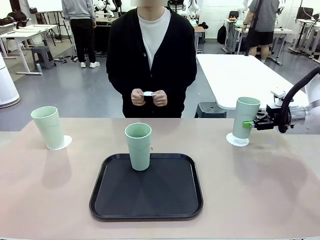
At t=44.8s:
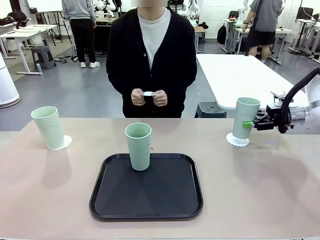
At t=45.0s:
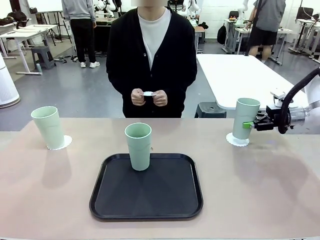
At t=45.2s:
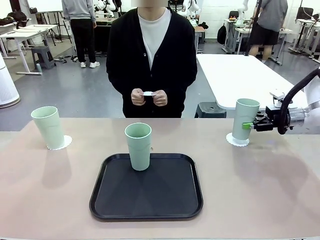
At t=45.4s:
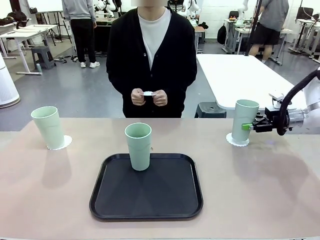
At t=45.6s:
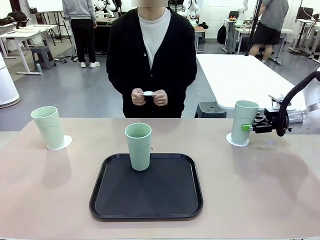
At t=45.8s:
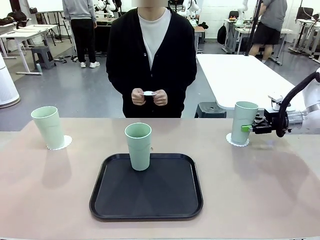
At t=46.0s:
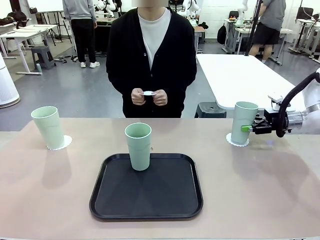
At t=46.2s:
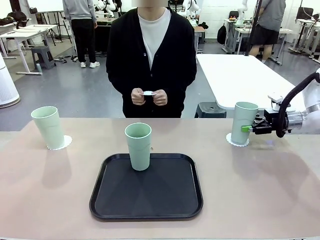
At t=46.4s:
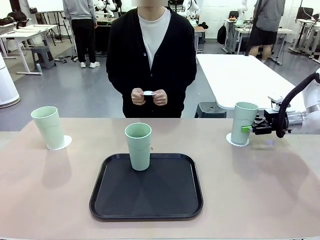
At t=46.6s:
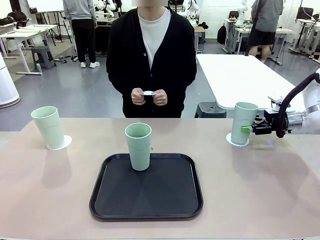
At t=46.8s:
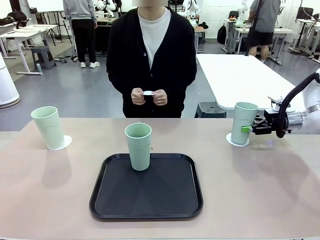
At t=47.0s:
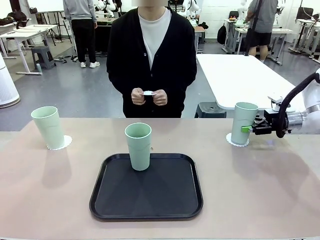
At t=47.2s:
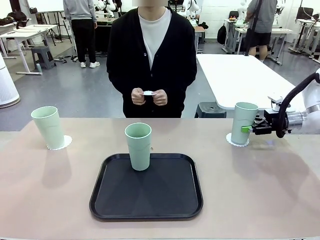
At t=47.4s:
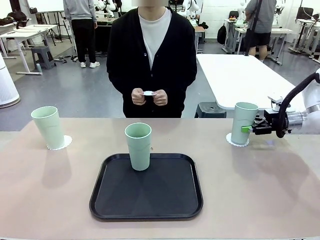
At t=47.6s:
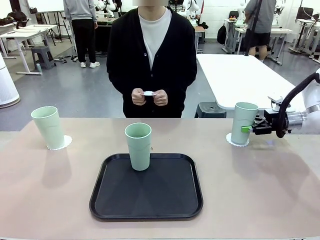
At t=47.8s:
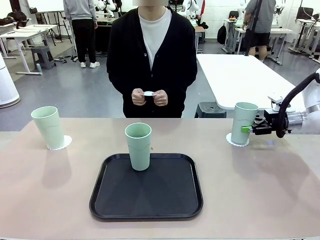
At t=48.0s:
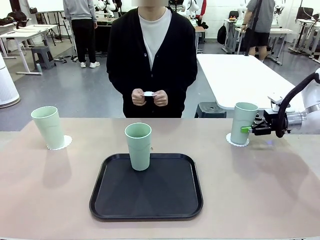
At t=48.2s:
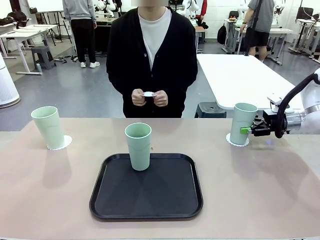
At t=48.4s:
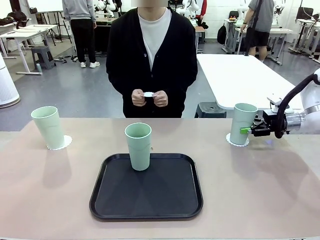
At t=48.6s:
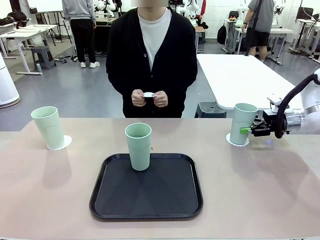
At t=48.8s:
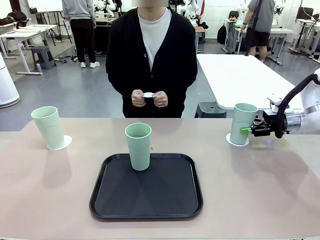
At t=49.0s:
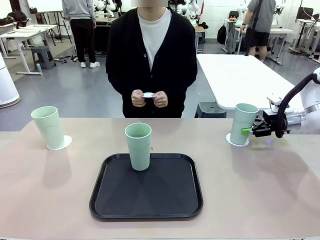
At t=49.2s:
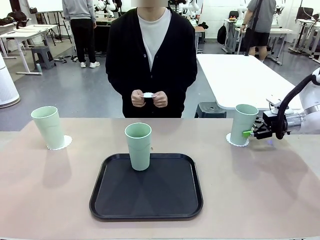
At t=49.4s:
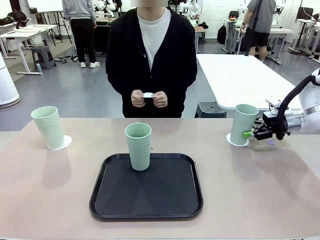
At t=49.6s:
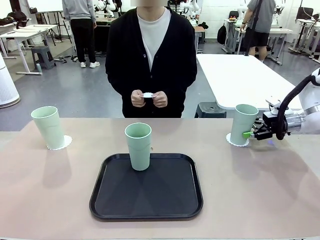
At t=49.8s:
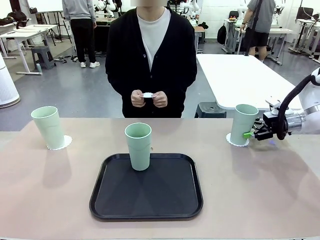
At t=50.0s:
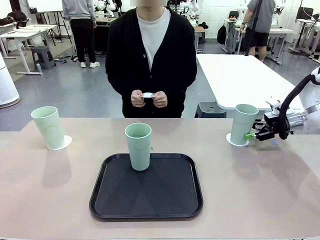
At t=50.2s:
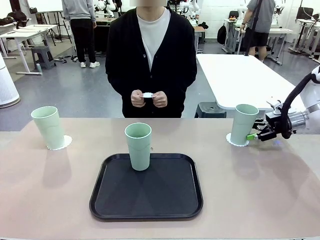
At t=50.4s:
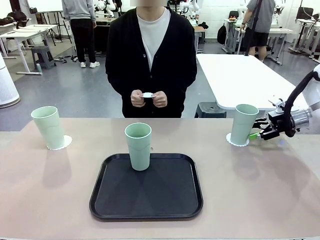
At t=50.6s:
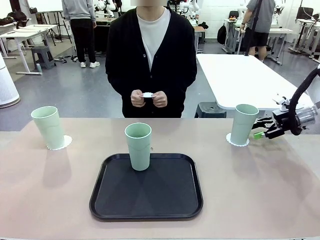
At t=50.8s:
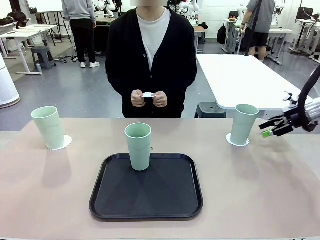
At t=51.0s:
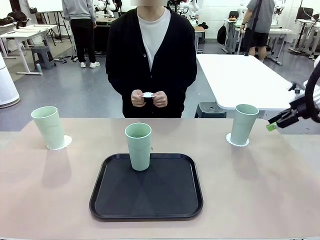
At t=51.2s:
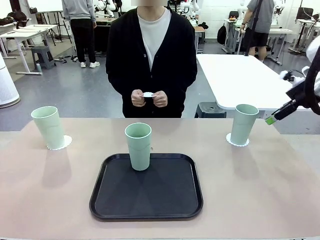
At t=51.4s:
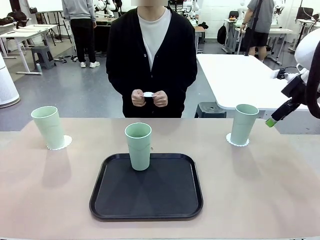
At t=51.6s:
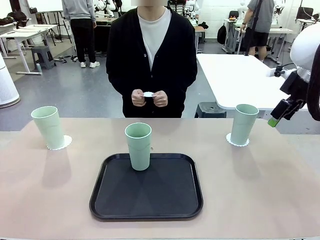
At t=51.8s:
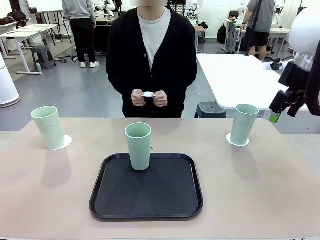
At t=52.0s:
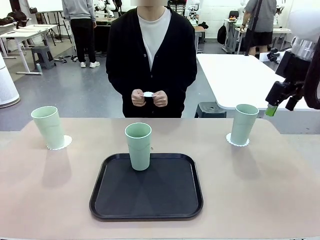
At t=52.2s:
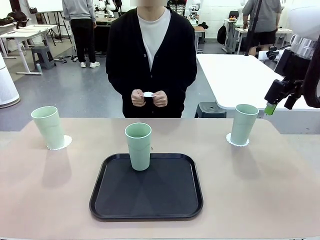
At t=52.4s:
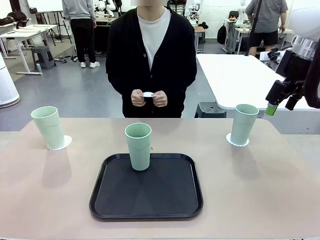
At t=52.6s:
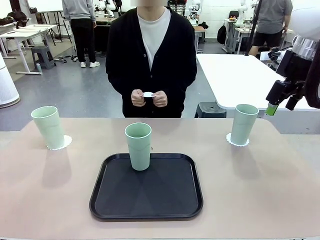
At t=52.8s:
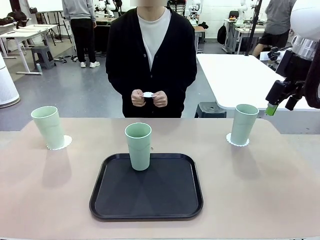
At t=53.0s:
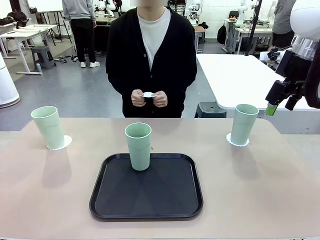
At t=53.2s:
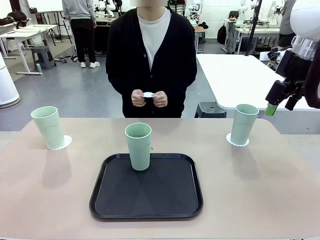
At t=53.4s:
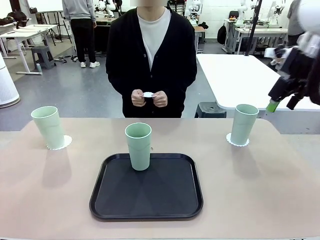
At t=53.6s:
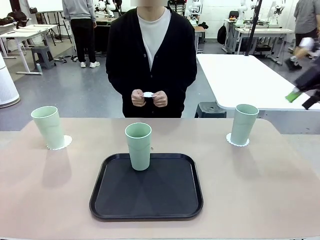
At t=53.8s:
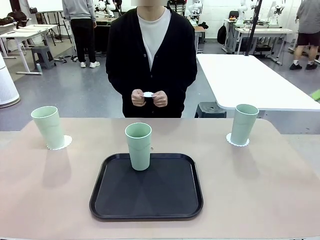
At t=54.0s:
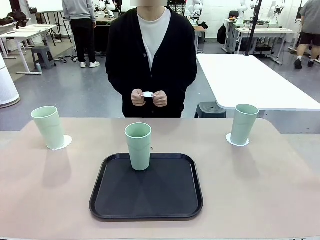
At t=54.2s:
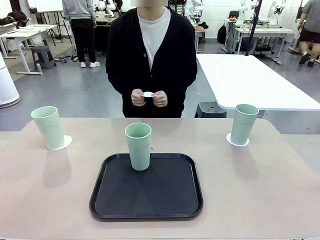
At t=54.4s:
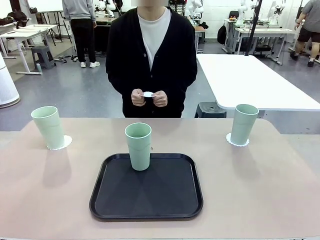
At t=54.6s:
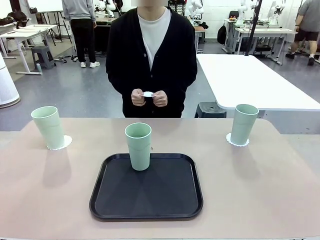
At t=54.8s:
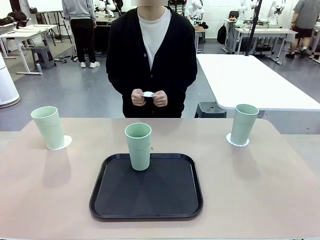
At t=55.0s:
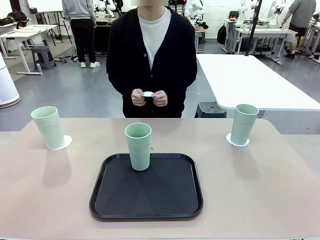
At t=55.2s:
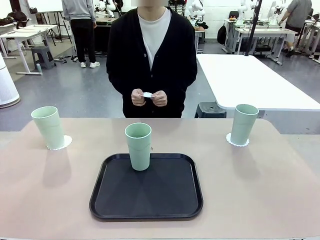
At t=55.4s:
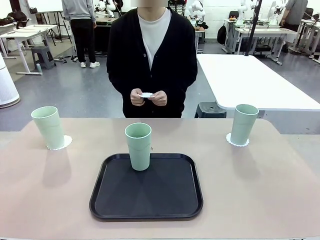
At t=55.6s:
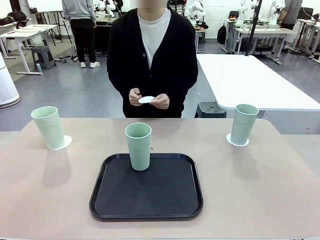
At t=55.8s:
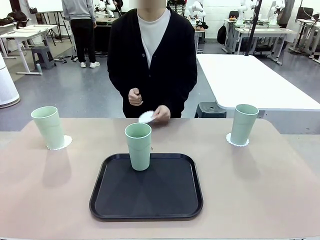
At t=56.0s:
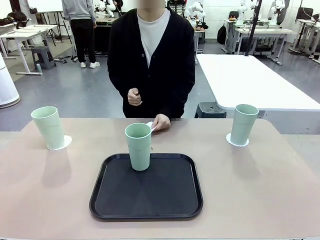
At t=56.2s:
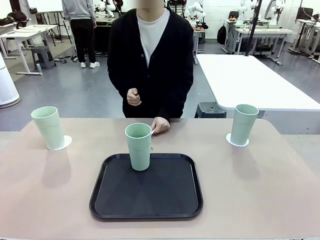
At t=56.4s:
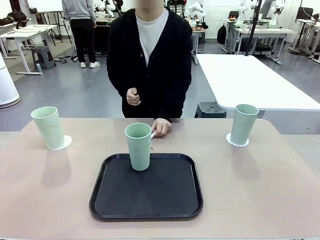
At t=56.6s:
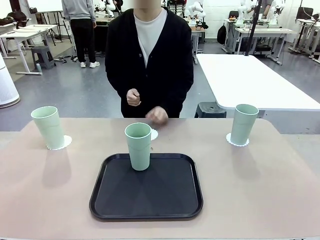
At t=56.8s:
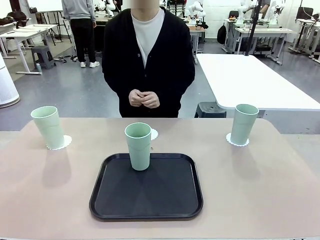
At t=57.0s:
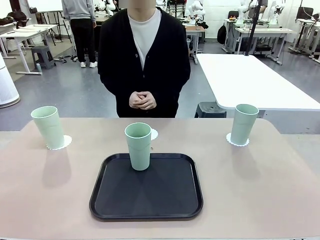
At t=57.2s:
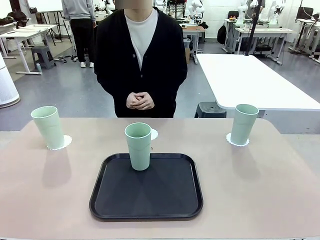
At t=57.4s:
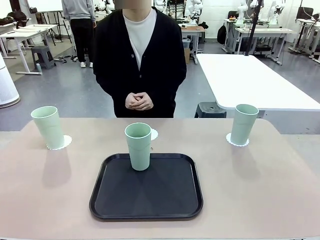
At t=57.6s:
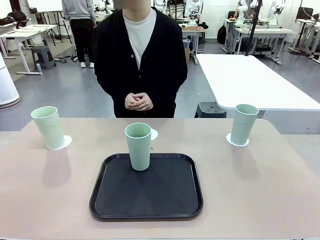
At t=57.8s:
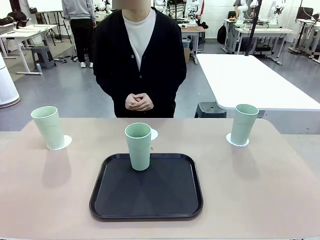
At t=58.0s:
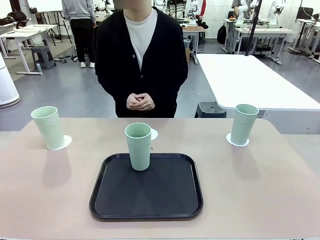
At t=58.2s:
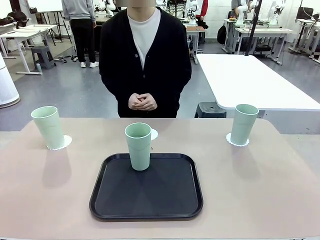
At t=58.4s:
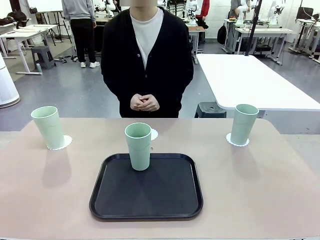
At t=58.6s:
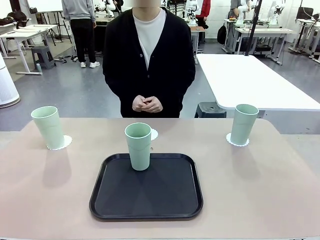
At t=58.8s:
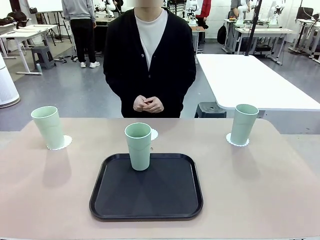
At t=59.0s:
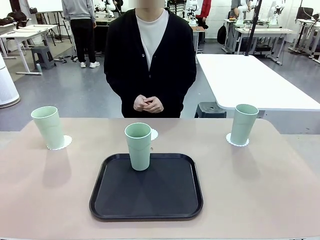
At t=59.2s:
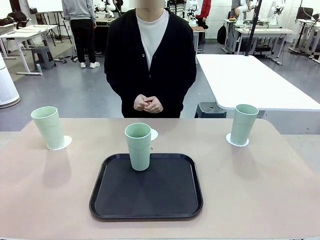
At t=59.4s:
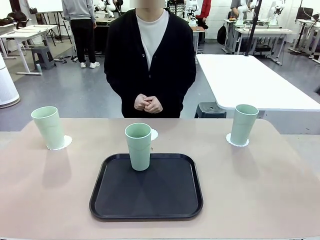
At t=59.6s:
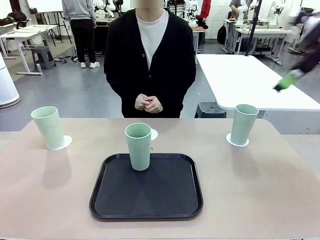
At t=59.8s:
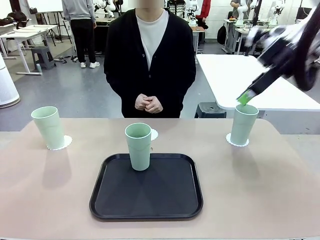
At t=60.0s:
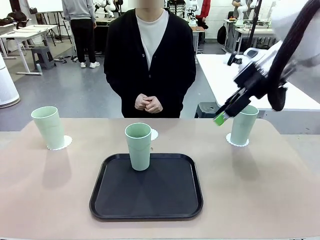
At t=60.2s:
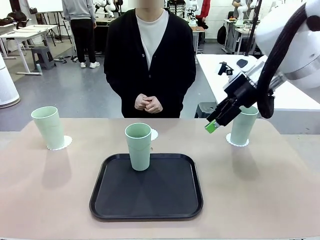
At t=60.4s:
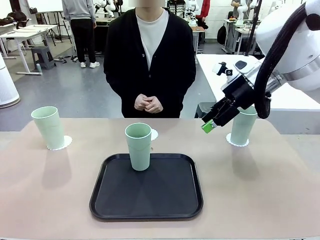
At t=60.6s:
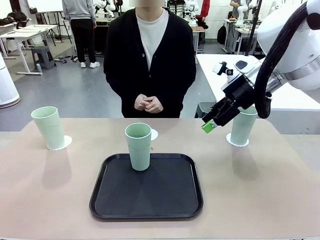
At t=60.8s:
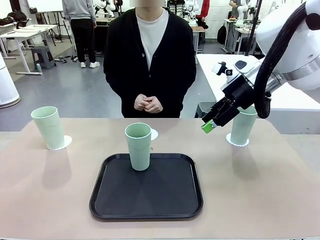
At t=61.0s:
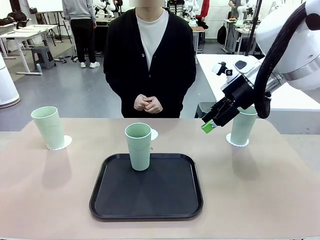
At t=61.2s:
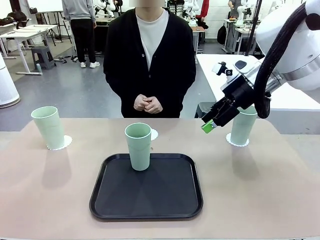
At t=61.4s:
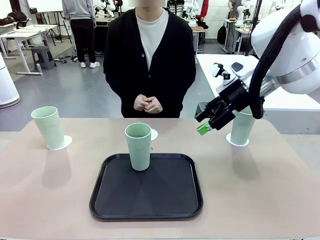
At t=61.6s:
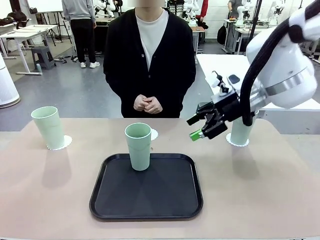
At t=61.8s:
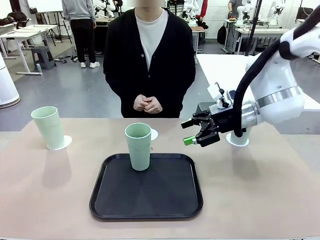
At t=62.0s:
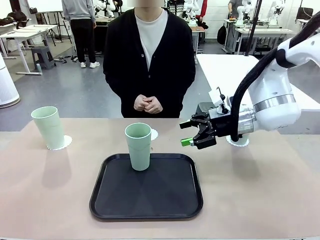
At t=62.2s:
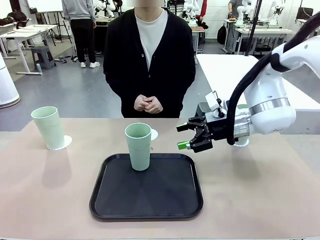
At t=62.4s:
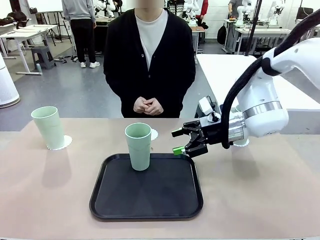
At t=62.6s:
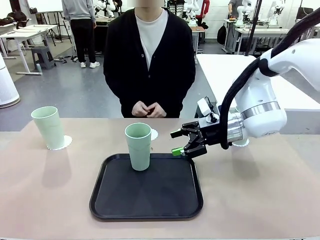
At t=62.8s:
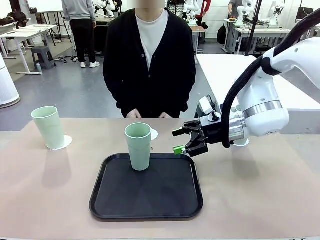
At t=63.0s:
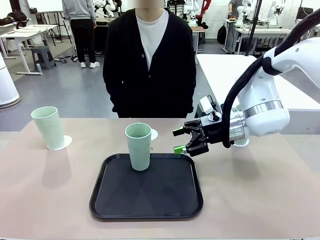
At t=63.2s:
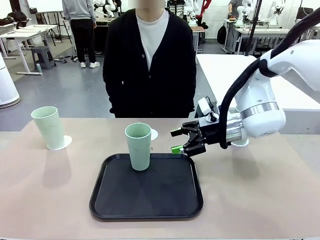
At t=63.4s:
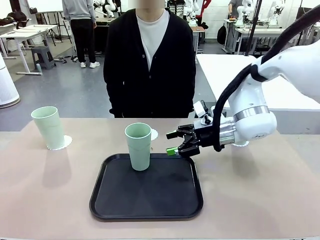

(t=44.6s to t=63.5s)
Task: Place coasters on the table and set cups on them.
Robot: Take one Reusable plastic cup from the Flat Tray and place it on a coaster set by the human.
